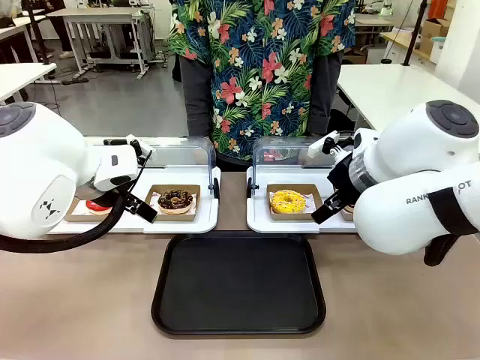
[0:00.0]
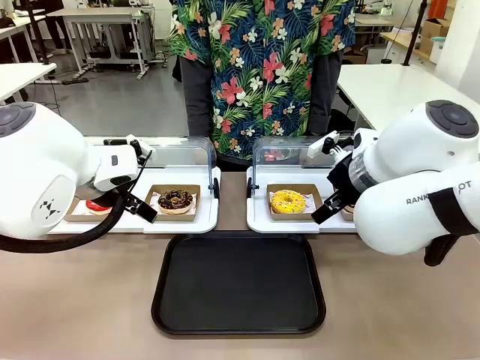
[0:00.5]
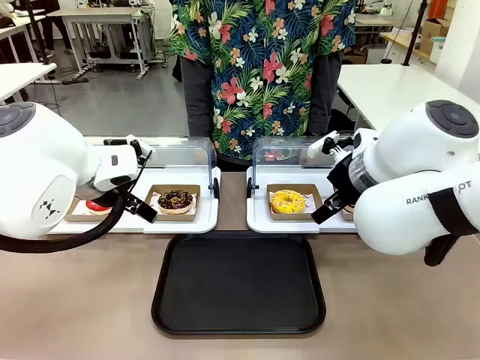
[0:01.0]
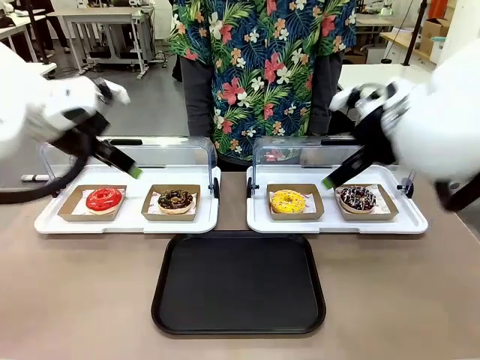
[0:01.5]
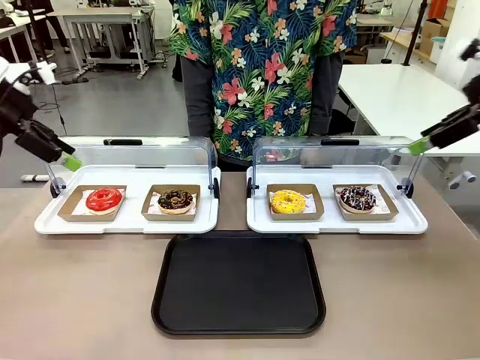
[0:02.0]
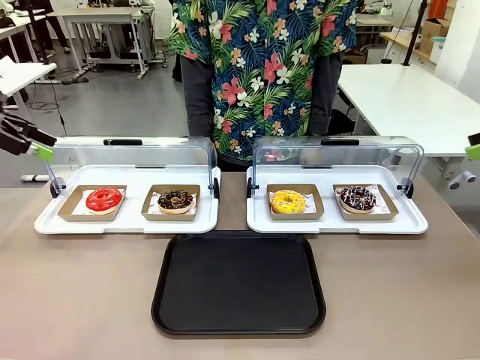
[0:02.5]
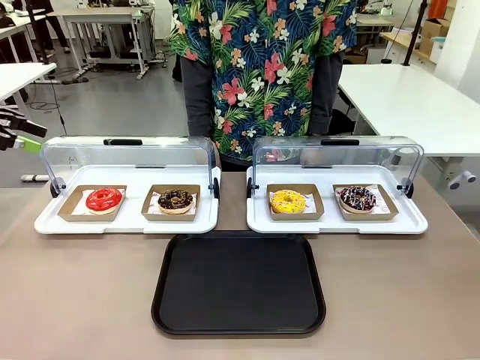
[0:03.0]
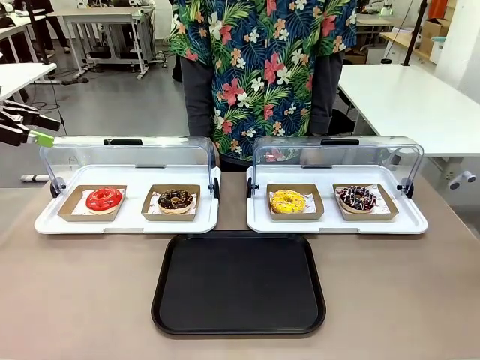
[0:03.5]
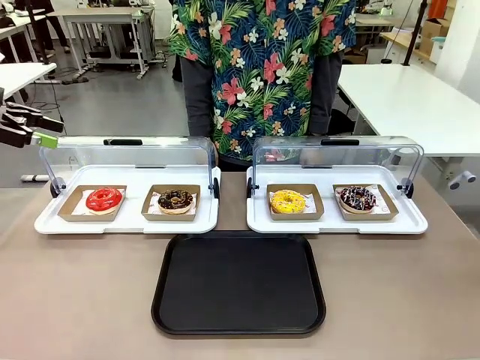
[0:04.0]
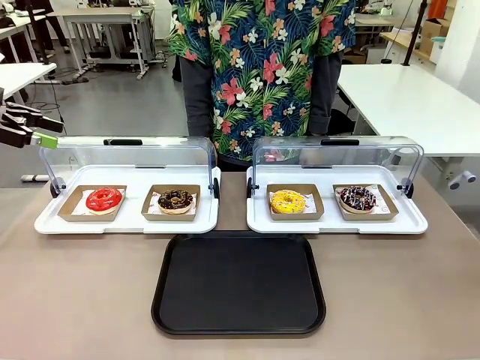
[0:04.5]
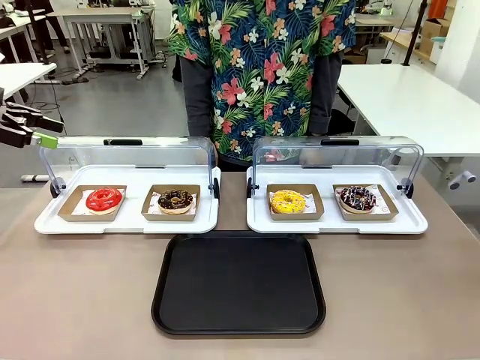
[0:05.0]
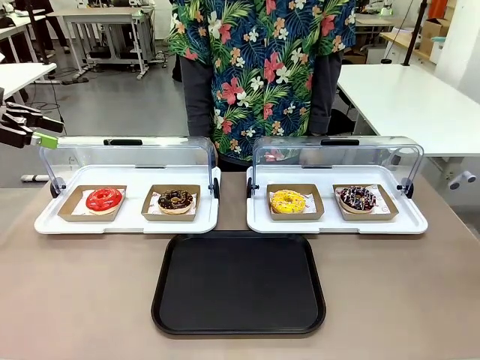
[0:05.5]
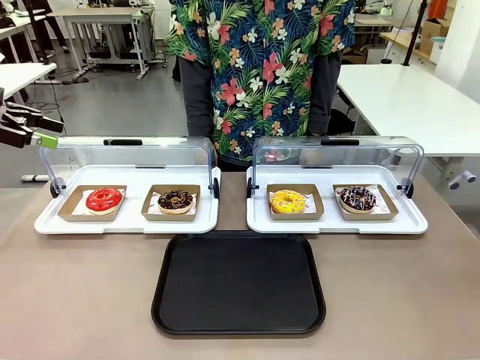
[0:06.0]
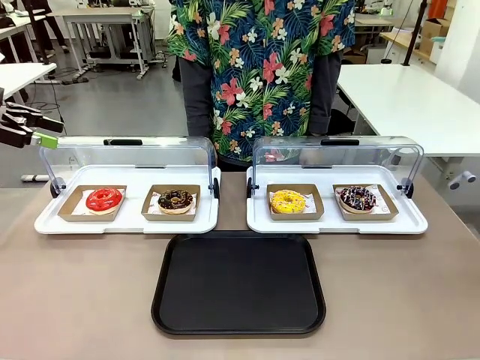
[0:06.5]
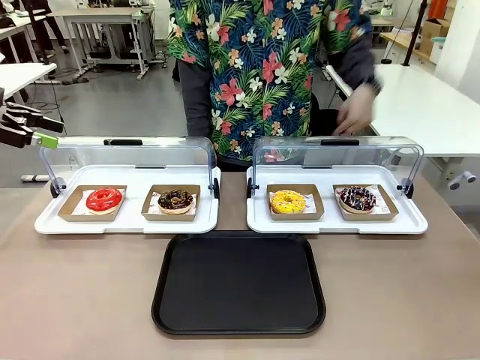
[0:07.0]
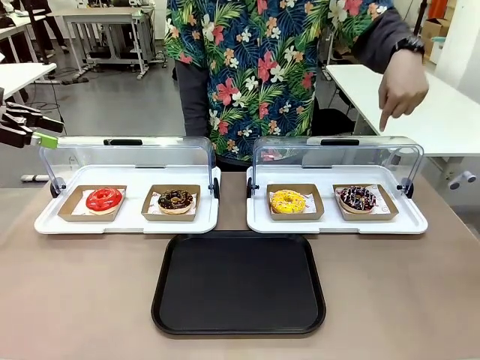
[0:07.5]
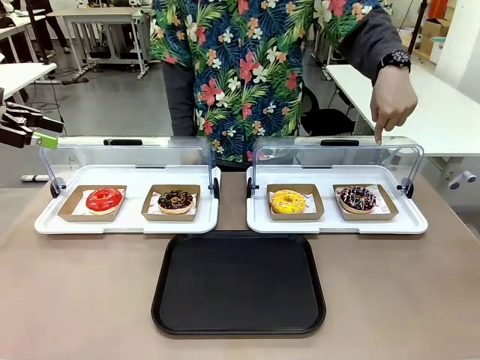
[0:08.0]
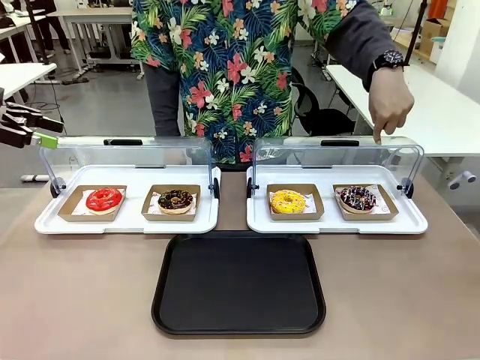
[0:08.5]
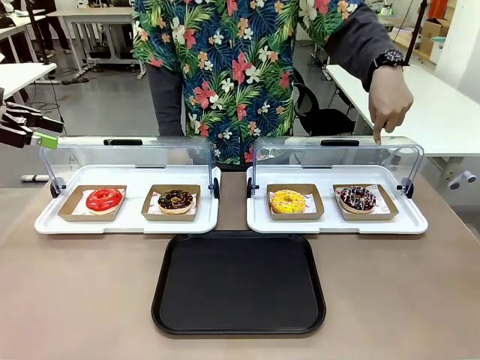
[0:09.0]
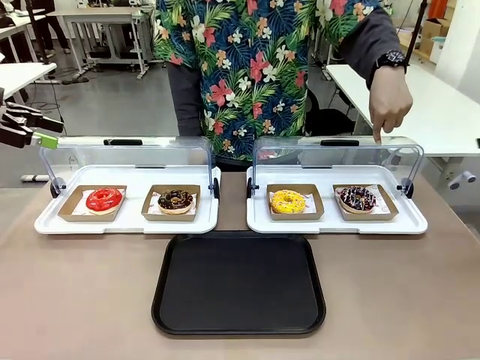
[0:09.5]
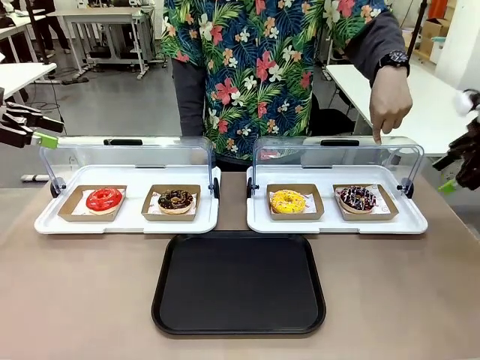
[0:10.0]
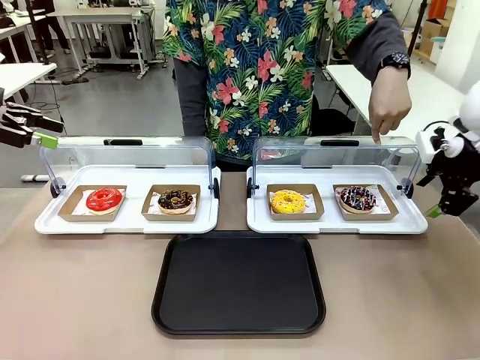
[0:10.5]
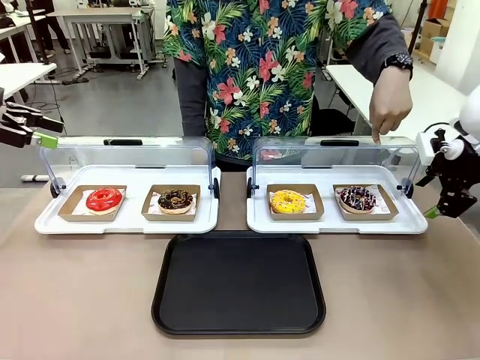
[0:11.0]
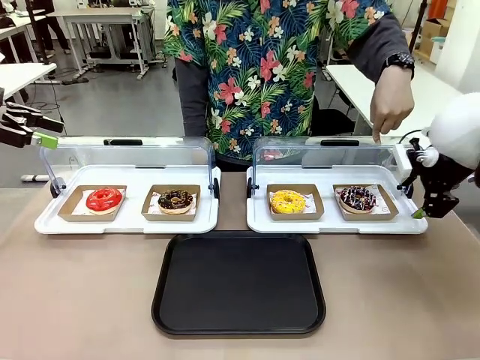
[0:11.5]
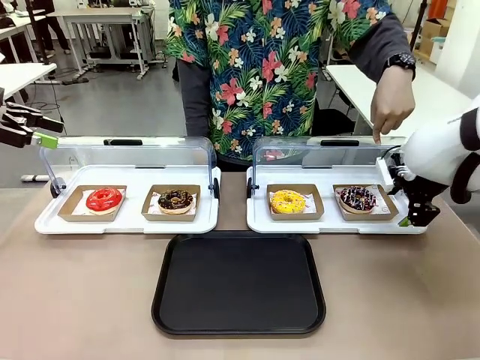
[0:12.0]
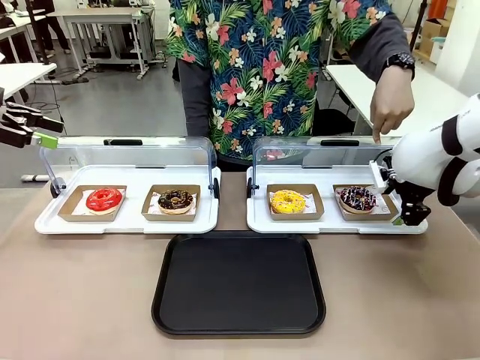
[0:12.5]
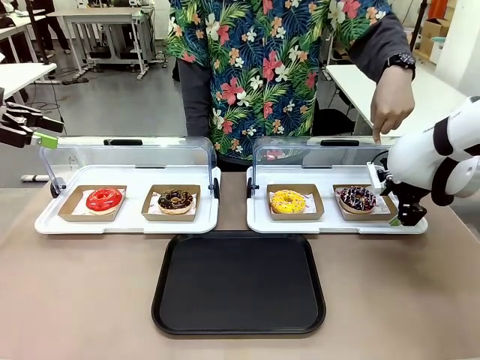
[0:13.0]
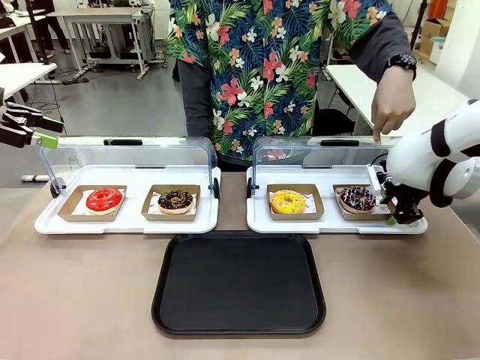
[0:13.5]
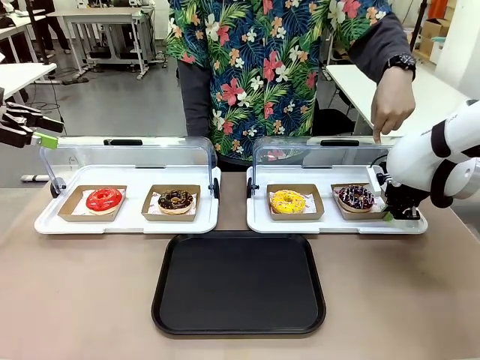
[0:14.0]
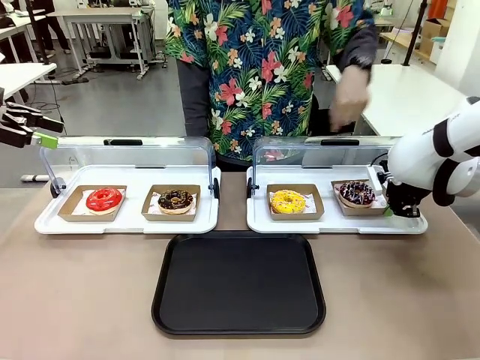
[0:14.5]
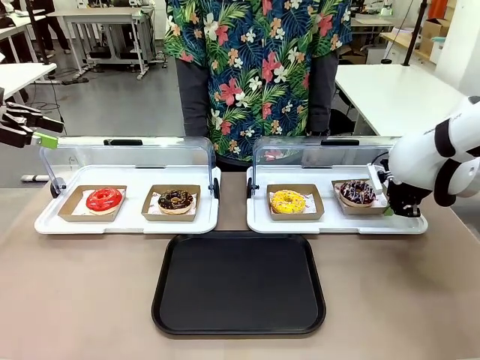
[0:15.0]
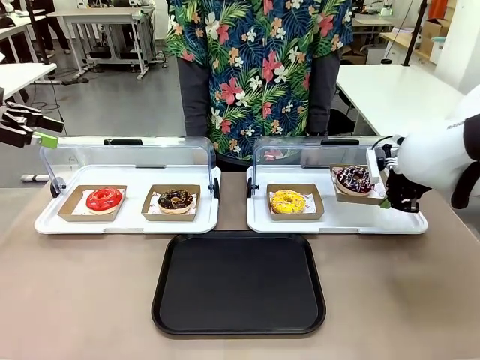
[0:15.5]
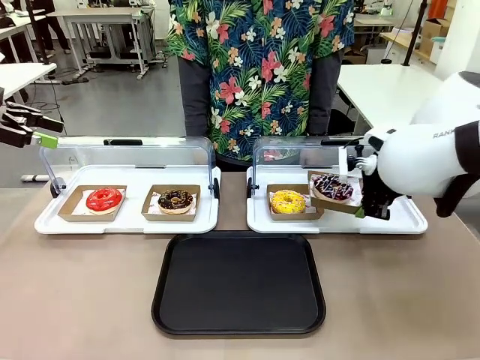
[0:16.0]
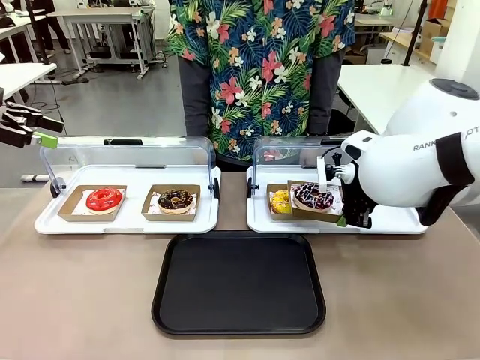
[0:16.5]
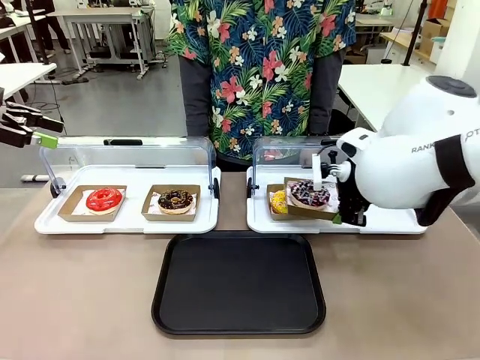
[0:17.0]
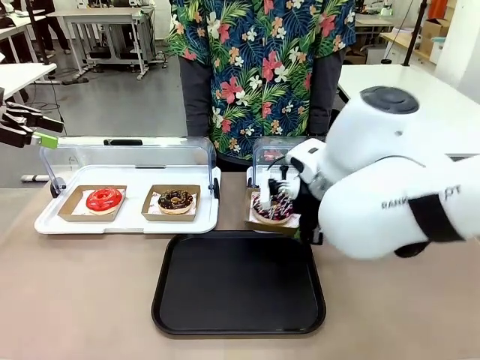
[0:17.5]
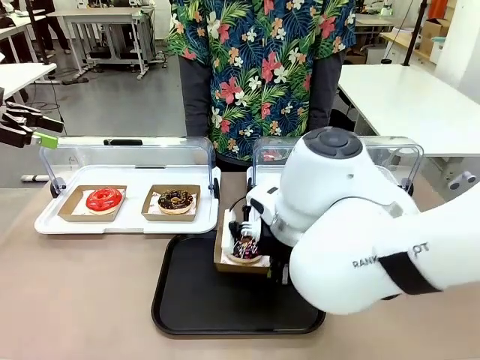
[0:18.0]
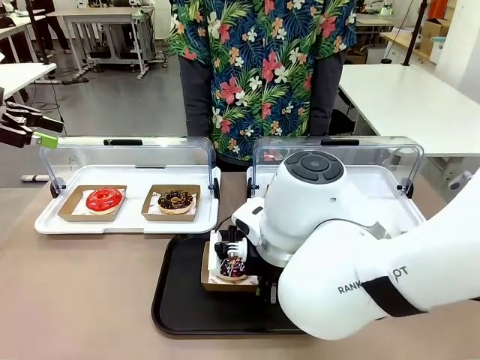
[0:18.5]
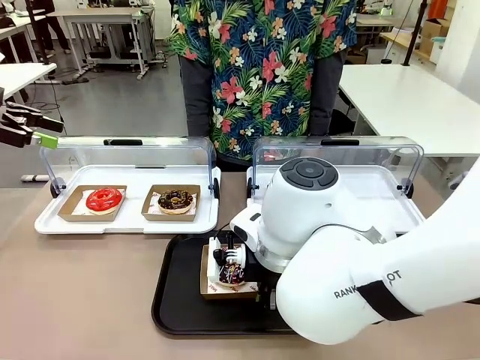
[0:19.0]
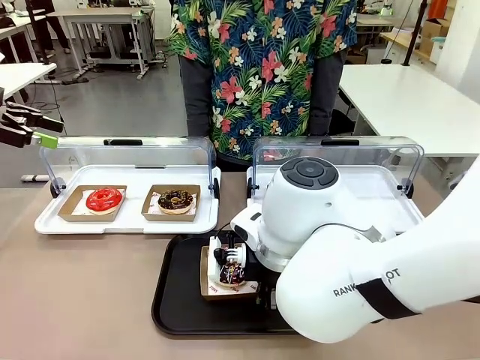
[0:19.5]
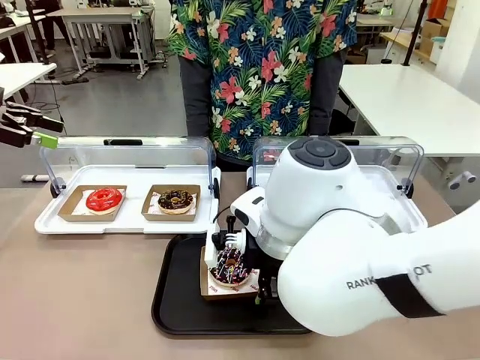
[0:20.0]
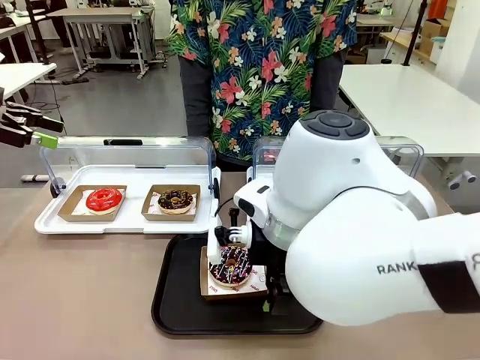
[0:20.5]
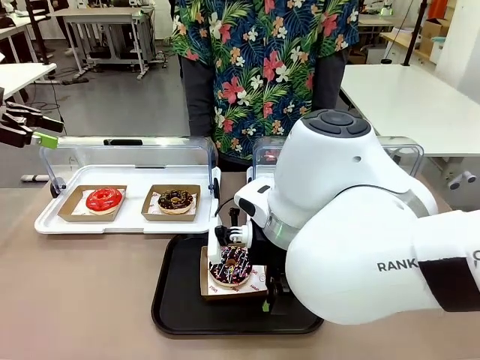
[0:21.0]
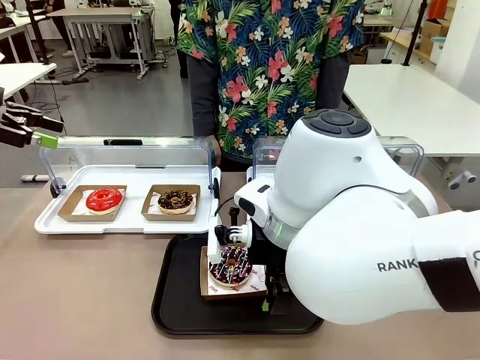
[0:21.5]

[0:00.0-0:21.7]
Task: Move the fourth donut from the left to the tray.
Robot: Pick up the Paper togo box containing the Donut indicated by the person and place it on the Handle tray.
Person: Points to the fourth donut from the left from the robot’s perspective.
